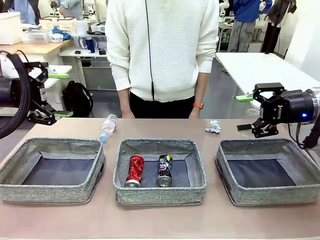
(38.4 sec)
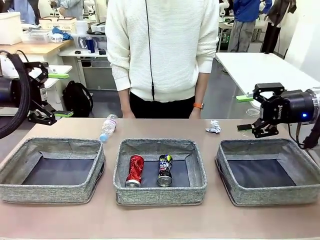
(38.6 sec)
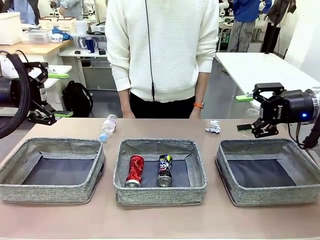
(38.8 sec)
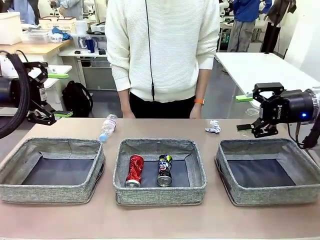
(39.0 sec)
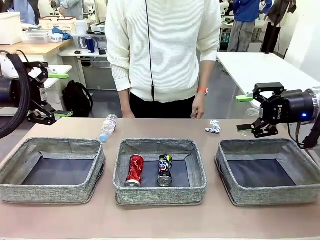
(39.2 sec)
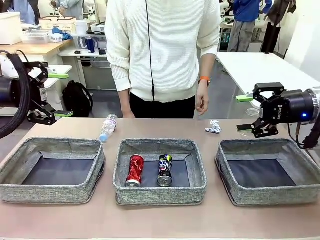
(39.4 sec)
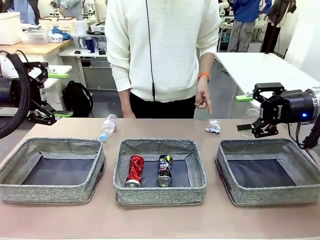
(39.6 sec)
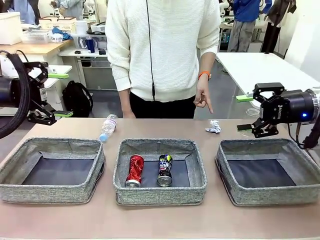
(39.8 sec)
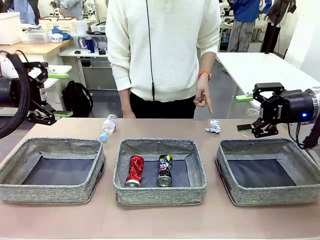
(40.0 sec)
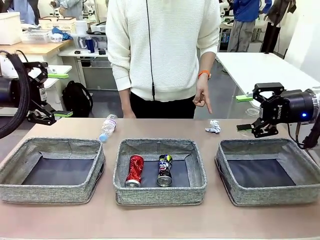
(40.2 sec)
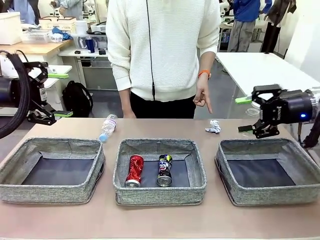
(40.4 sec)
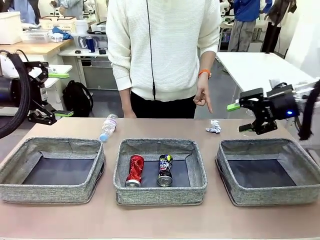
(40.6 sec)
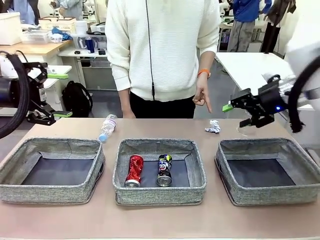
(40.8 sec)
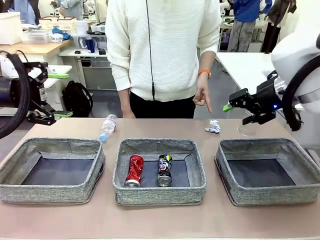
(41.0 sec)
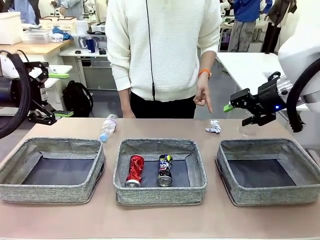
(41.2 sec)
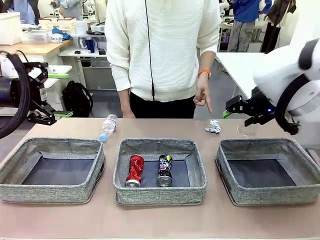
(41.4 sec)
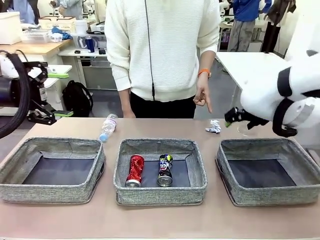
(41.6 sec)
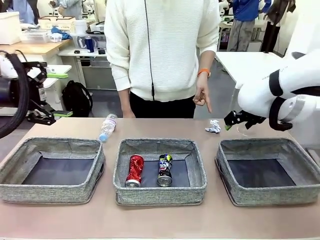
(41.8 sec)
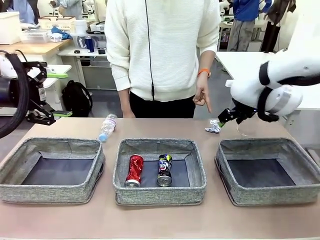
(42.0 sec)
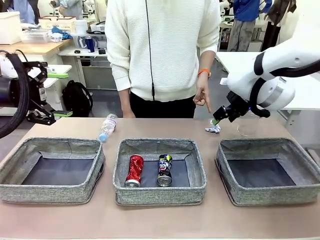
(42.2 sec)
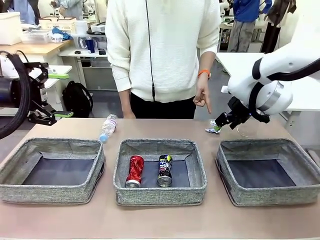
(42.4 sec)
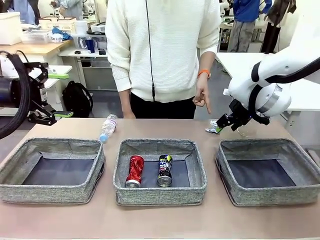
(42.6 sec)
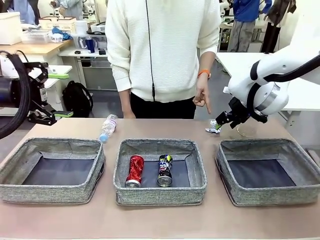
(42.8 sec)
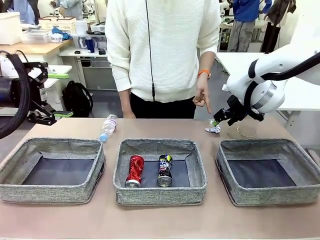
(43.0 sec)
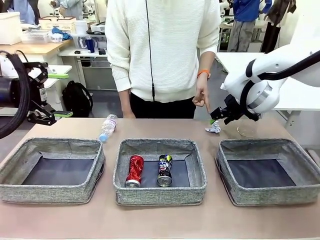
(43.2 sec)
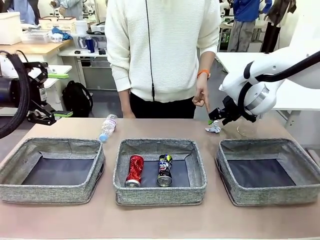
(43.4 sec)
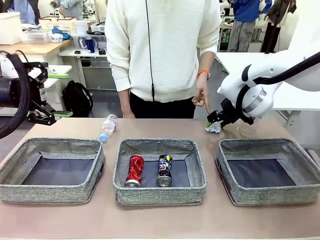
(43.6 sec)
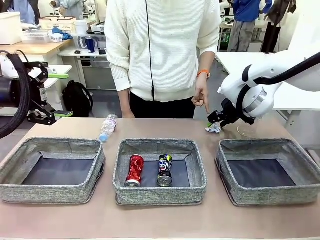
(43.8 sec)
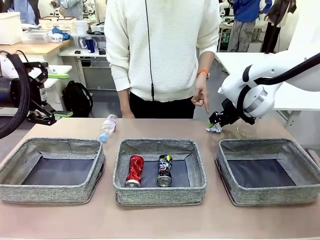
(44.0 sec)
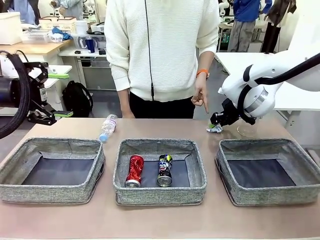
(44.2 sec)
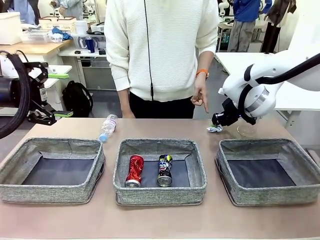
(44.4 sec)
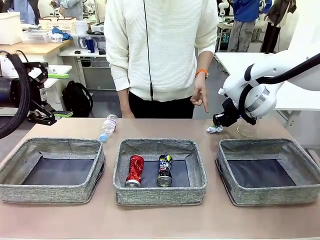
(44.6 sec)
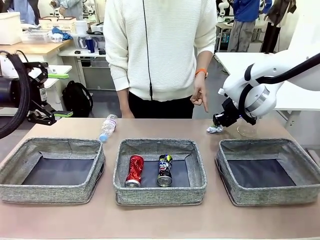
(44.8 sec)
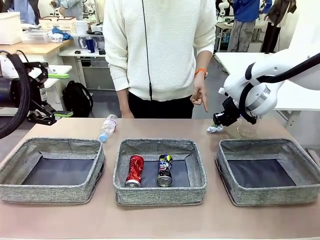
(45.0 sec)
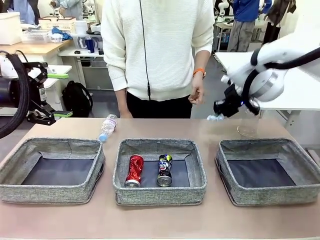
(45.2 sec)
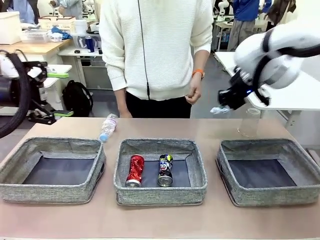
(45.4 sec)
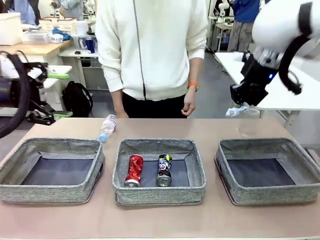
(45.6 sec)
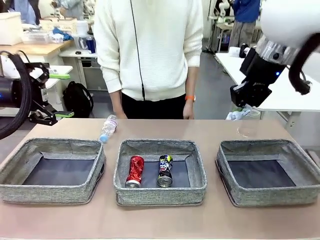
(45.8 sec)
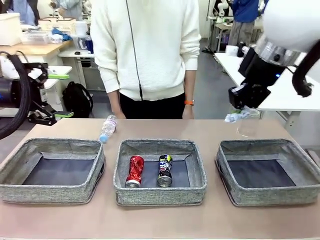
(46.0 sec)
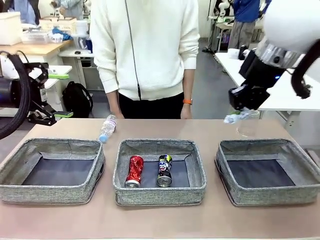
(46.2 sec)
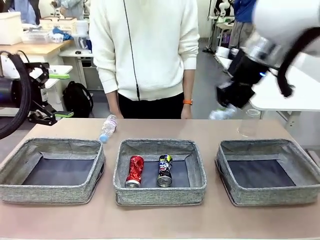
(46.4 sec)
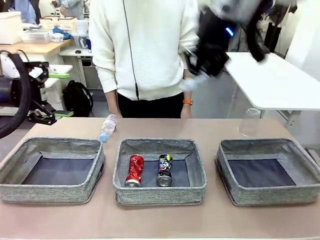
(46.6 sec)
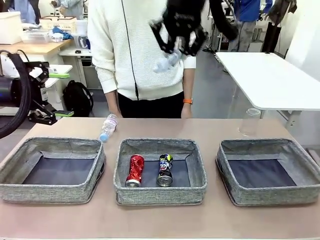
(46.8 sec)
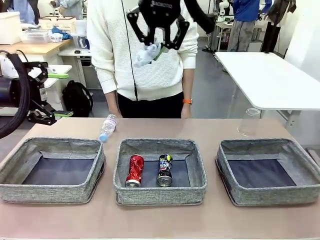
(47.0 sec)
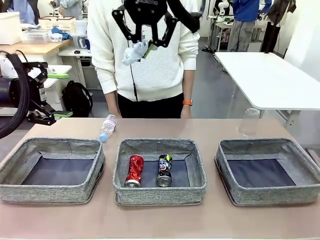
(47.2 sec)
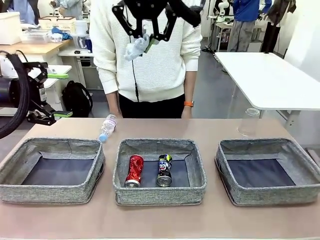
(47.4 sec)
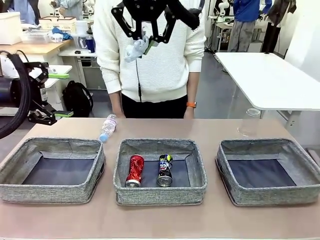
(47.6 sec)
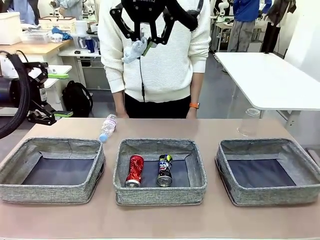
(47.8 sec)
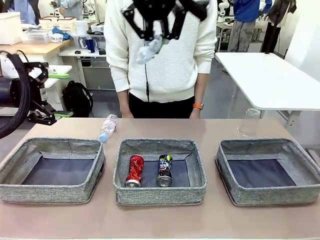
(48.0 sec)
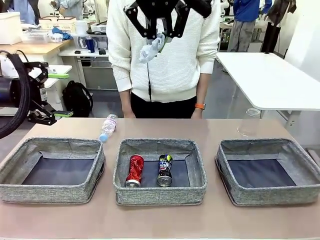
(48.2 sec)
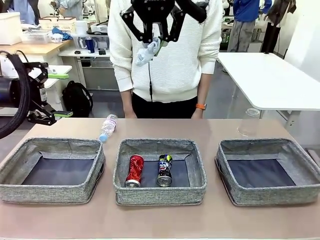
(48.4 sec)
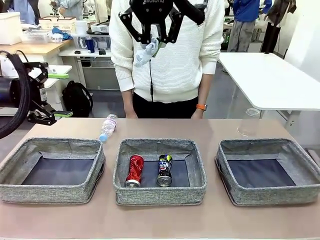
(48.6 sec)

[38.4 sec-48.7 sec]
Task: Sort the waste into the appropriate baskets.
Robot: Pick up the waste item pointed out by the person.
Person: Points to one piece of trash on the table.

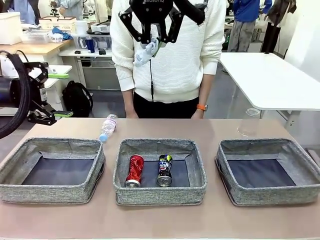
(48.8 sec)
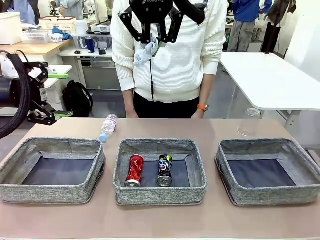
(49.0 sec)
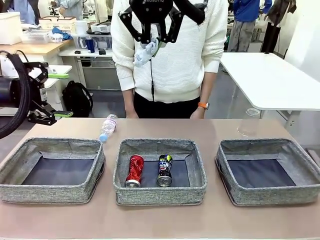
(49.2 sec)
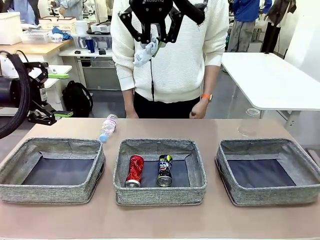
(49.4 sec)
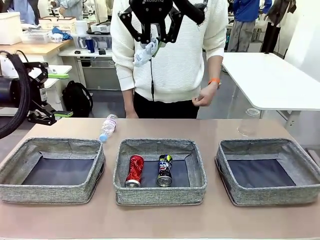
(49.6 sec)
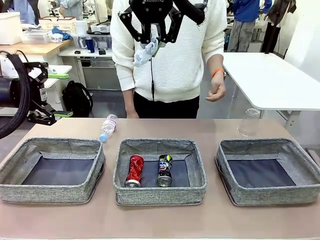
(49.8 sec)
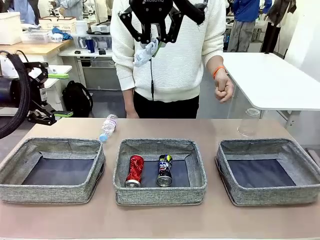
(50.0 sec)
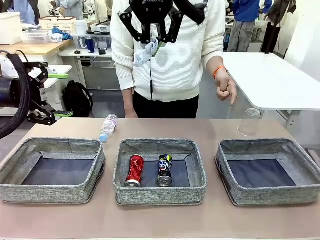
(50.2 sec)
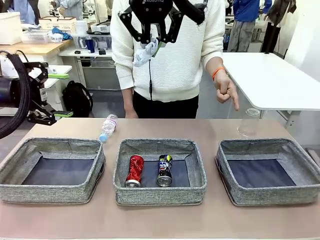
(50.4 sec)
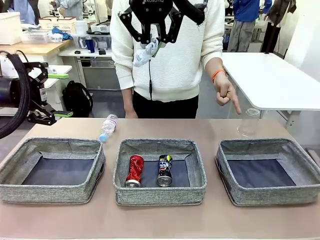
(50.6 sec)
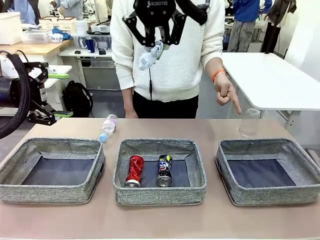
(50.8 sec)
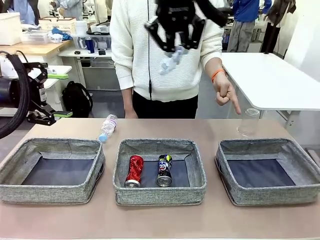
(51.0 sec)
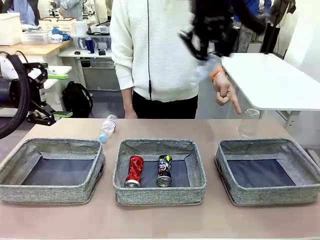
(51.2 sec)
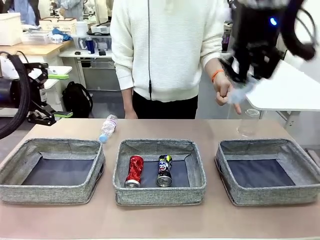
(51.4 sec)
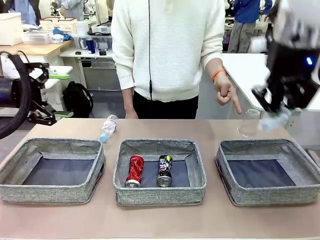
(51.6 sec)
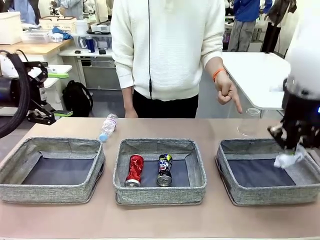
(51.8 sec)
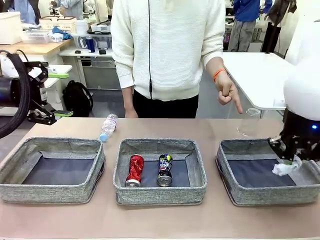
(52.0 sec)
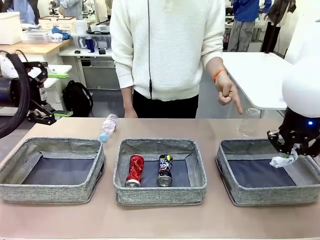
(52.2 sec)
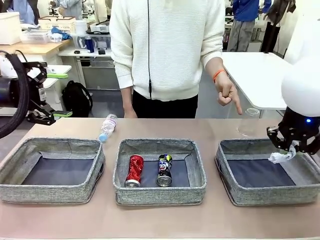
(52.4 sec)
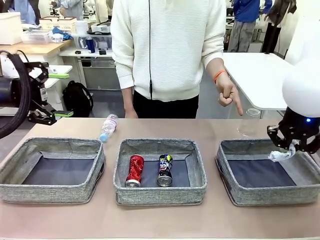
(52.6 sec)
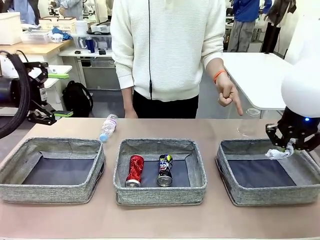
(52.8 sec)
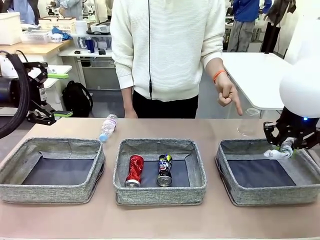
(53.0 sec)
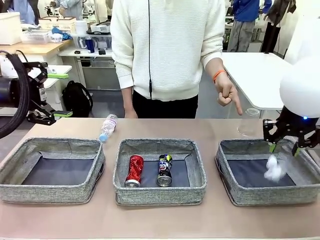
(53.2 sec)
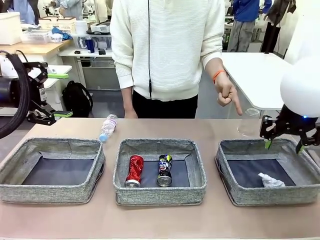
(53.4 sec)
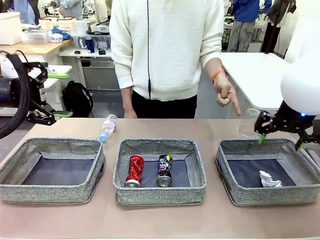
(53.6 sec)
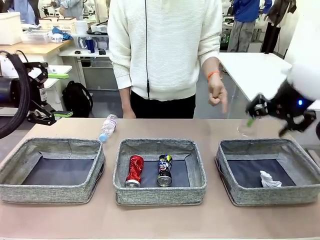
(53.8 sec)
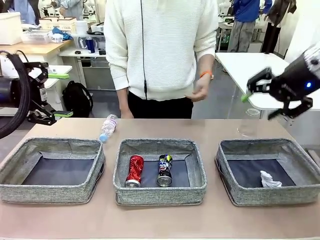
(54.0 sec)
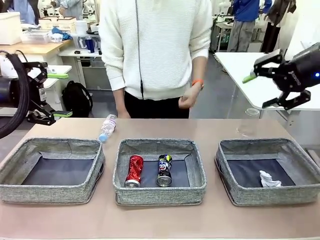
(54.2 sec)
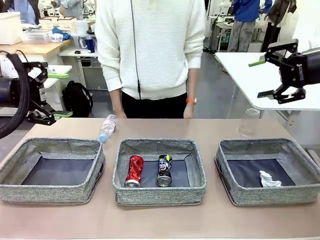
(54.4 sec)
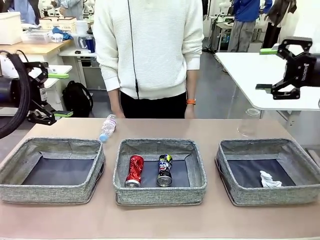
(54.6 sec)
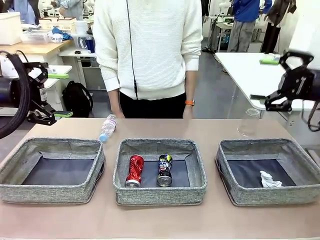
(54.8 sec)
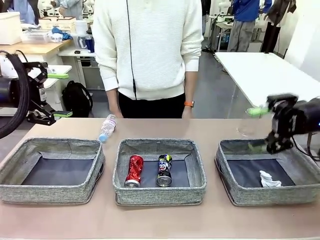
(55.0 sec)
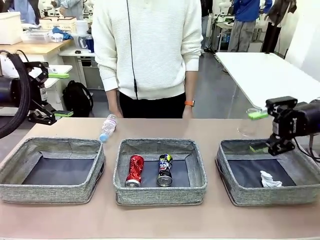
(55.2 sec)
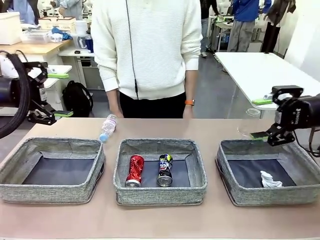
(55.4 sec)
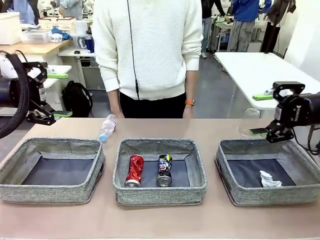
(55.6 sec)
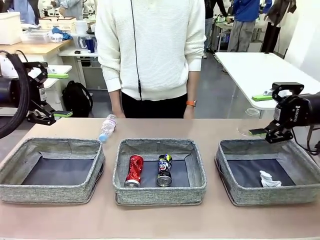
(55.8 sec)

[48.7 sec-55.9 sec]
Robot: Place the picked waste into the Fabric basket indicated by the person.
Person: Instructs the robot to place the picked-up trash into the appropriate organizing basket.
